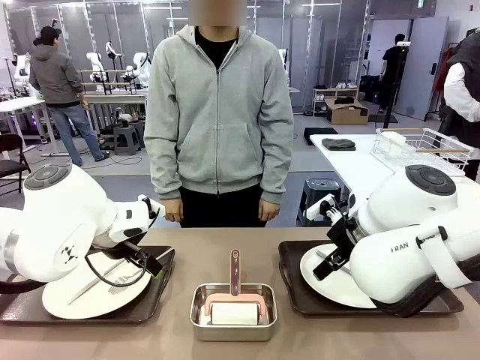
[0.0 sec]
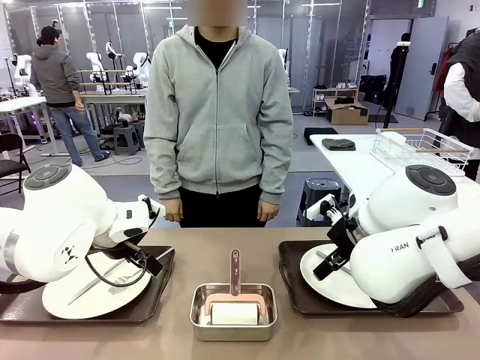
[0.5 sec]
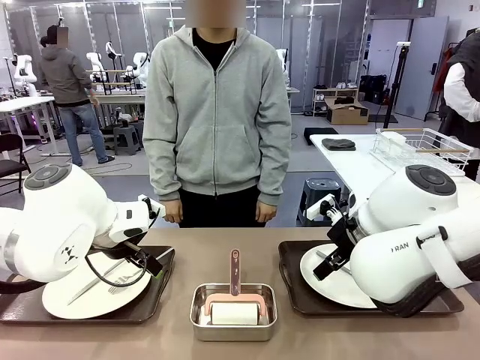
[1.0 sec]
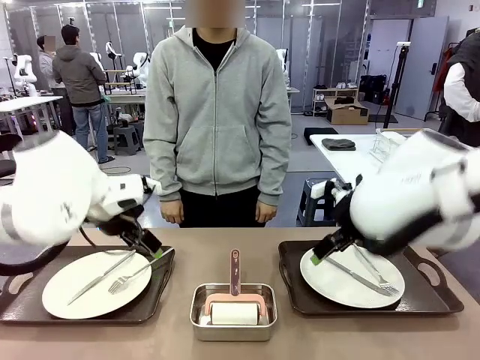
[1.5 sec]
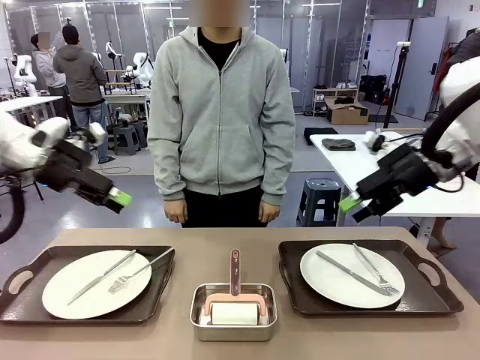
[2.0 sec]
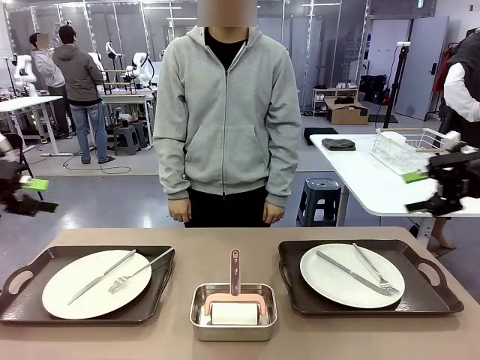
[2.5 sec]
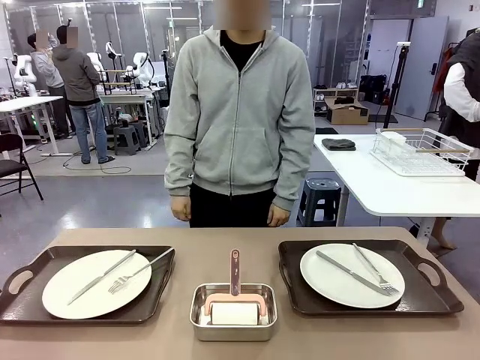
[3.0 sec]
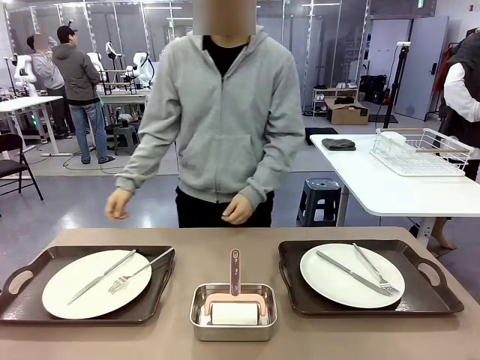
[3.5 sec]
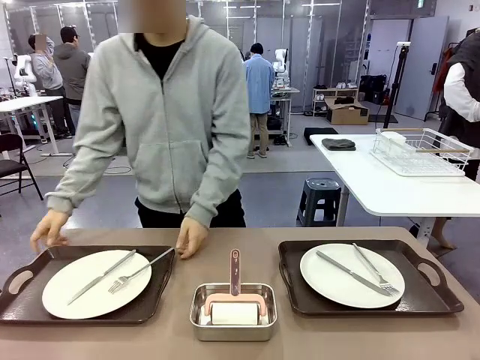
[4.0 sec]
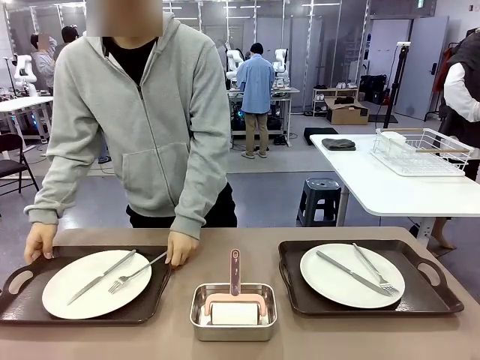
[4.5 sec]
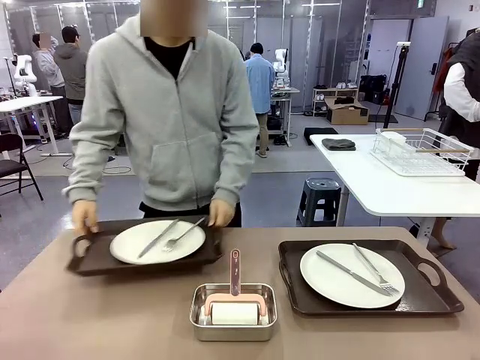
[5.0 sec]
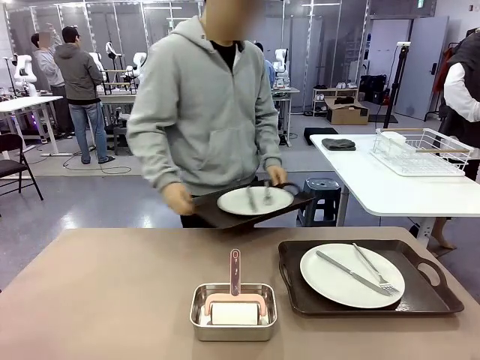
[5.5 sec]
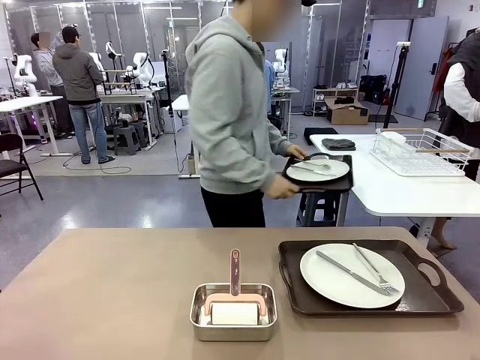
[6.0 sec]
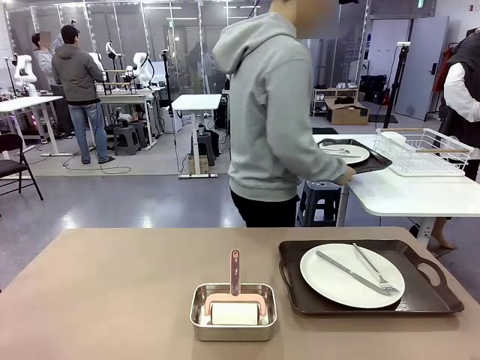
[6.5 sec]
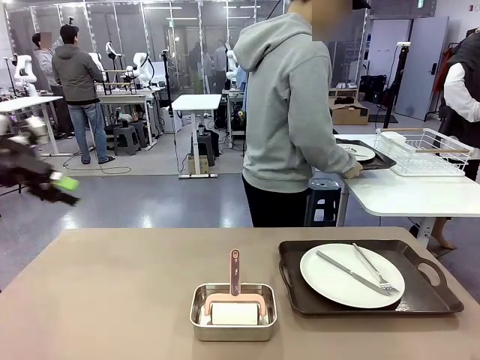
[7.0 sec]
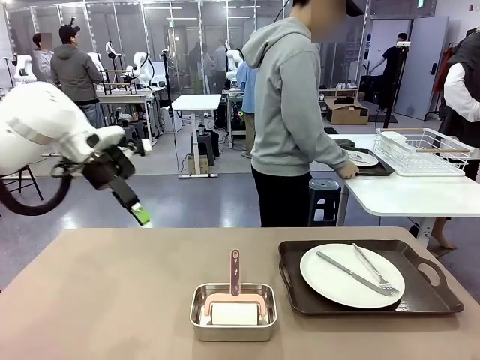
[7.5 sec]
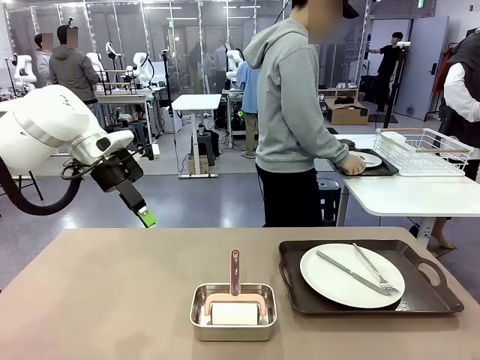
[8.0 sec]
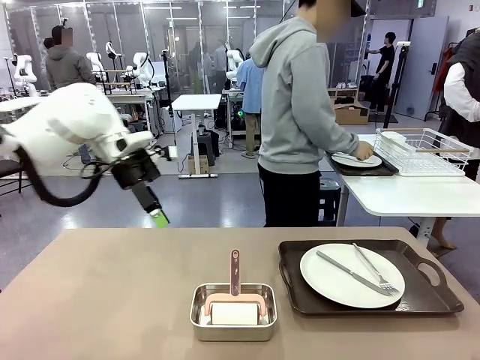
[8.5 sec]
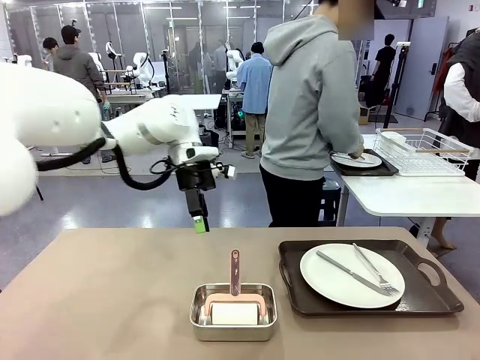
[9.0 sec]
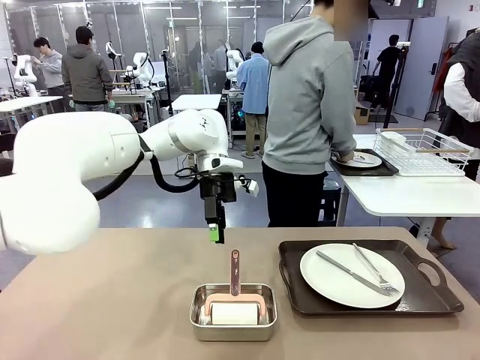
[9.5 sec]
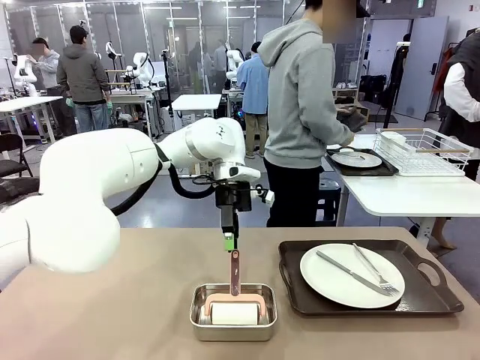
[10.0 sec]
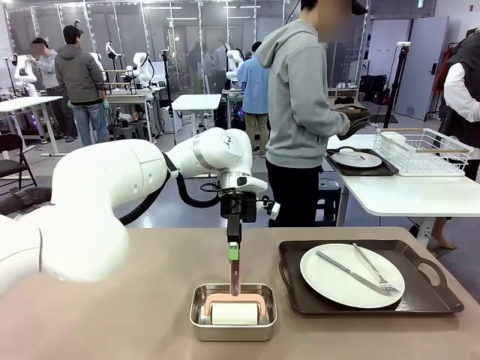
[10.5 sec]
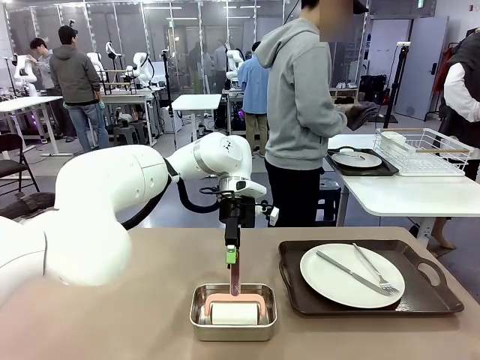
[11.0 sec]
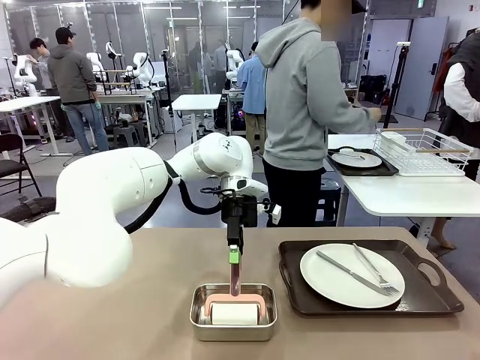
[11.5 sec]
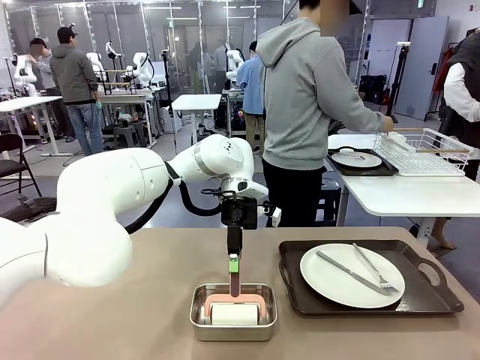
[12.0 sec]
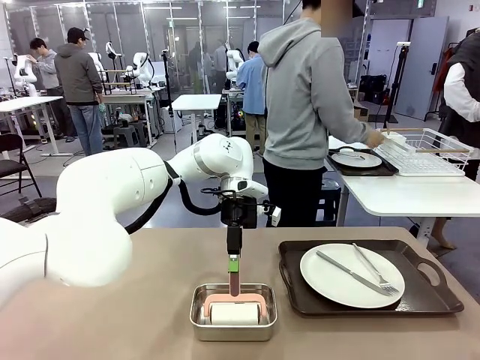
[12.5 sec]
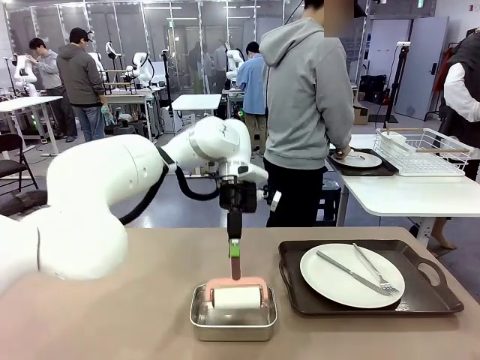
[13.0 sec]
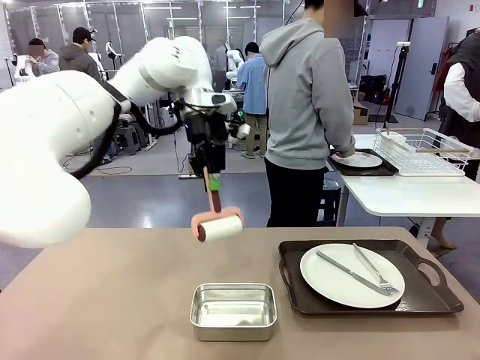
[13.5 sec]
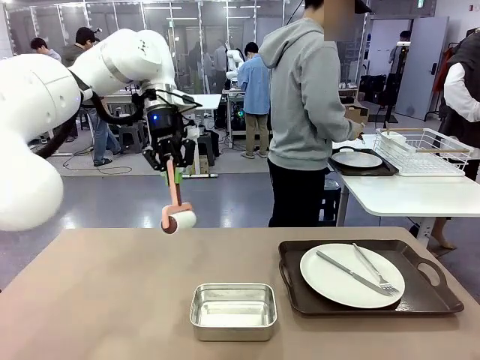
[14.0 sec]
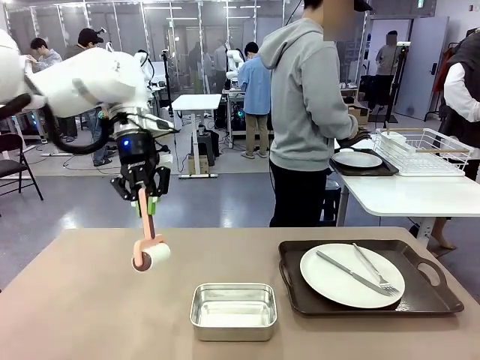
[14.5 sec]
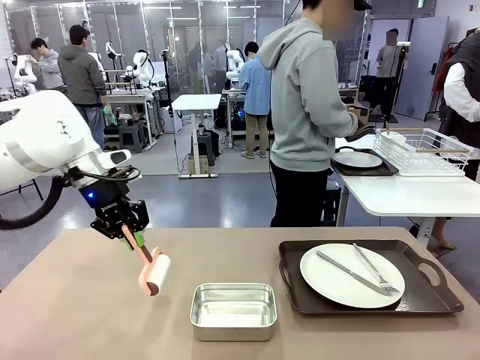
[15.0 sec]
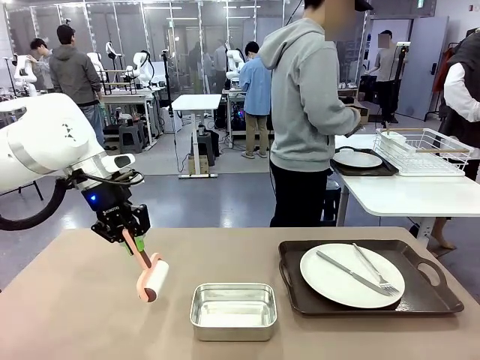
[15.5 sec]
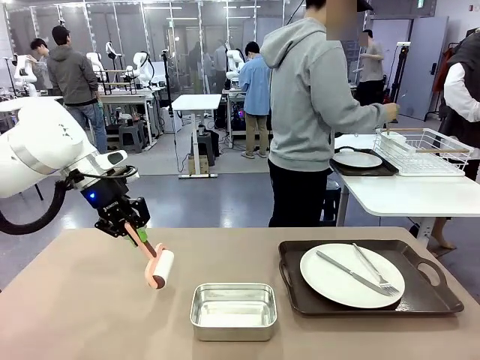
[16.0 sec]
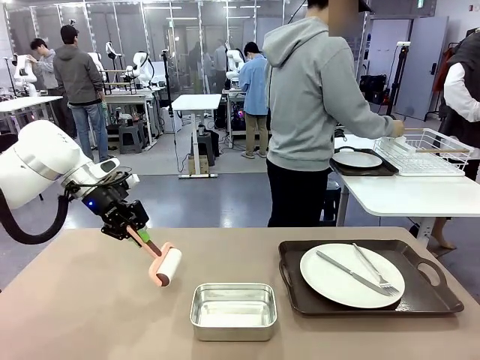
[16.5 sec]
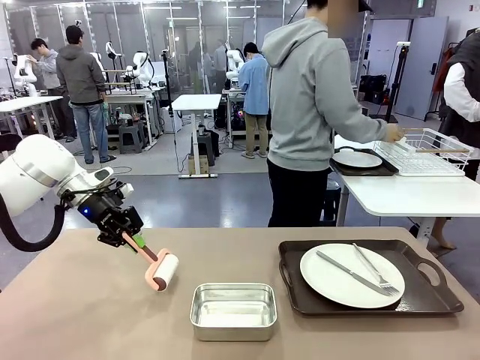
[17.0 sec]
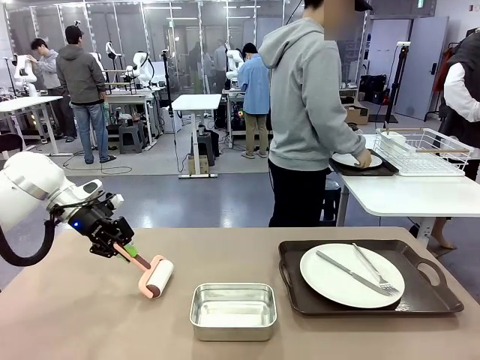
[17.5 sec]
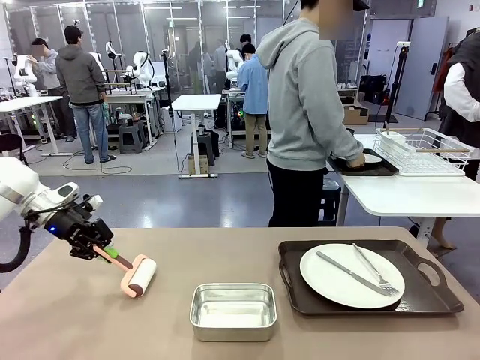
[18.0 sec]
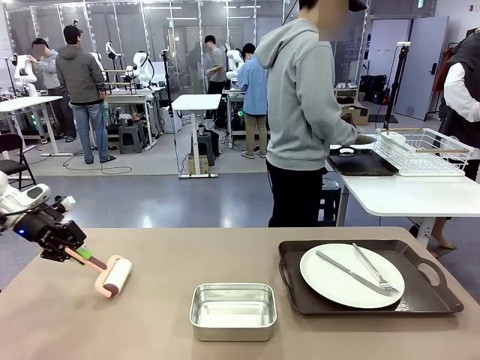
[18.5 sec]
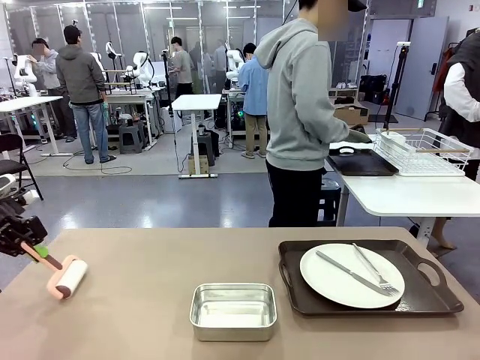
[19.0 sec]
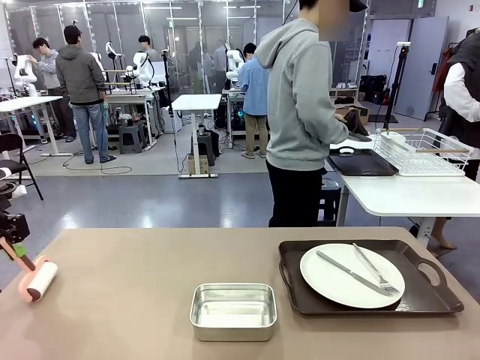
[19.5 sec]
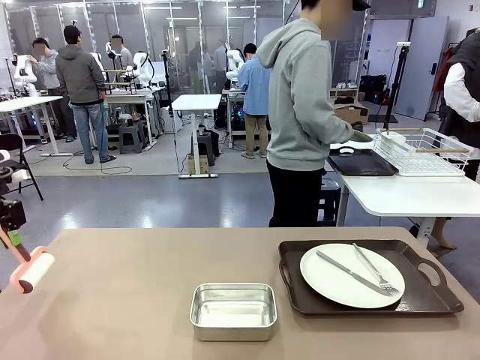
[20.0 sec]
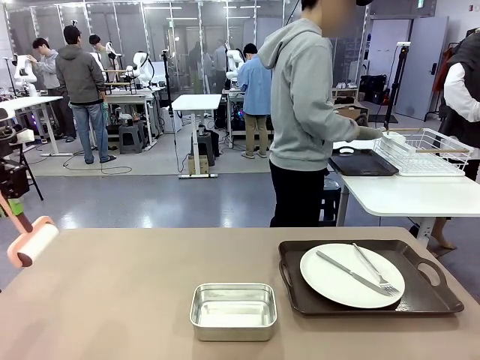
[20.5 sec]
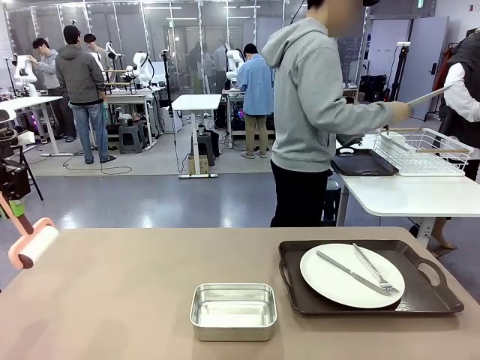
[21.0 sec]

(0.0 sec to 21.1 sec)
Robot: When the left (or right) Handle tray is removed, use the left hand (or right hand) to clean the left (or right) side of the table with the Lint Roller.
Person: Pick up the left (or right) Handle tray and place it on the middle of the Human's table. Use the Towel with hook to wipe the Plastic Matte Plate , Fork , and Knife and place into the Dish drying rack.

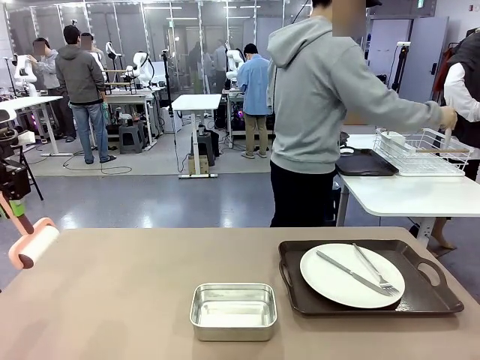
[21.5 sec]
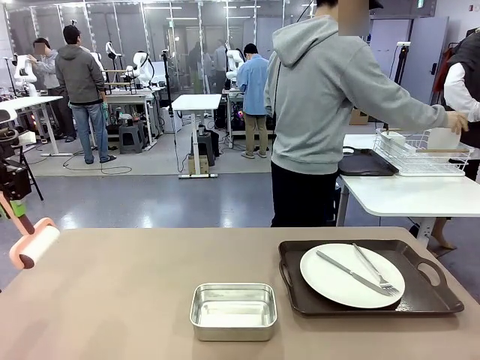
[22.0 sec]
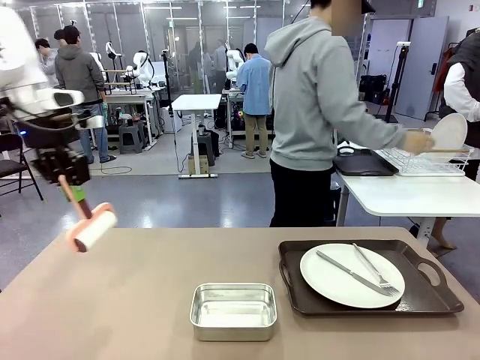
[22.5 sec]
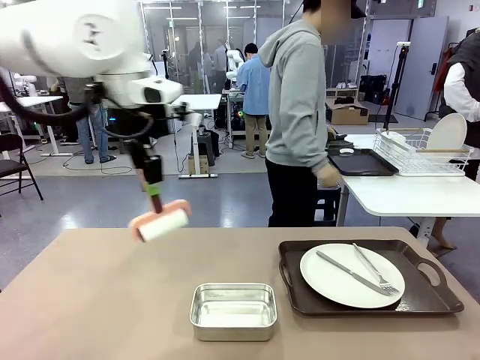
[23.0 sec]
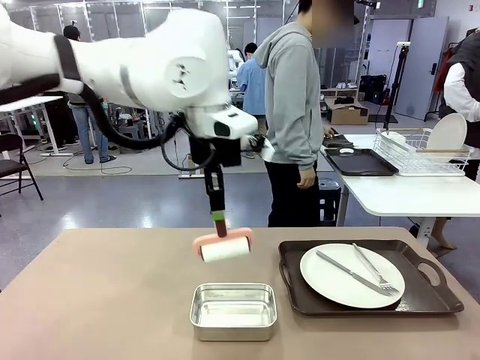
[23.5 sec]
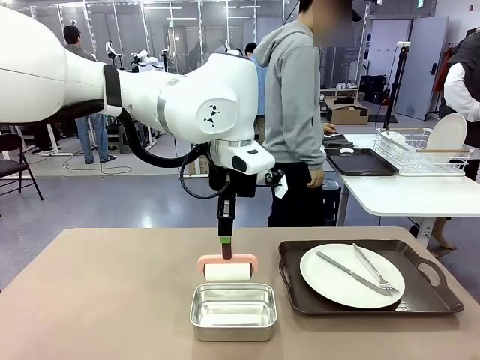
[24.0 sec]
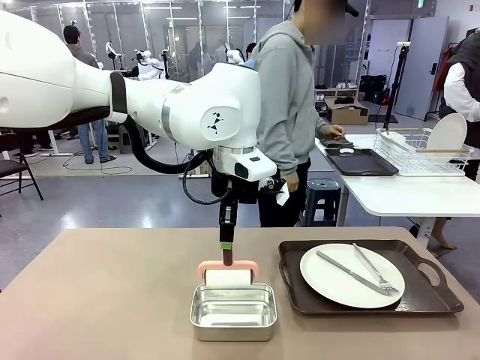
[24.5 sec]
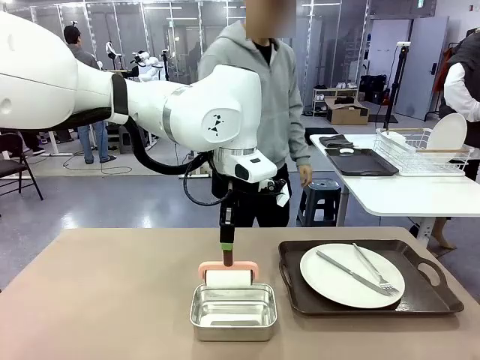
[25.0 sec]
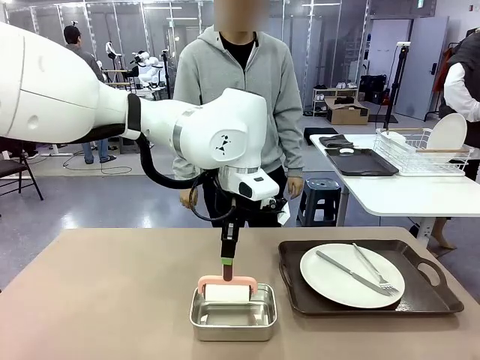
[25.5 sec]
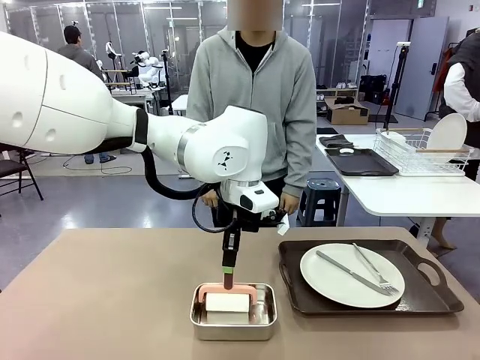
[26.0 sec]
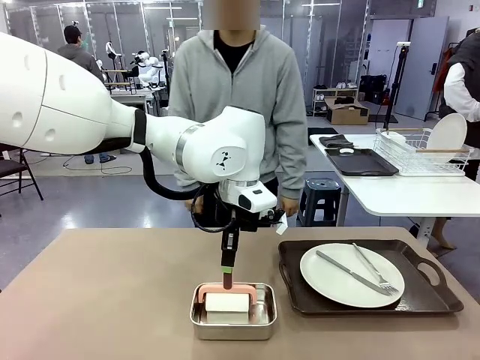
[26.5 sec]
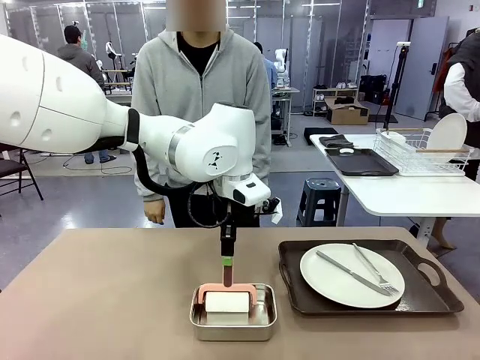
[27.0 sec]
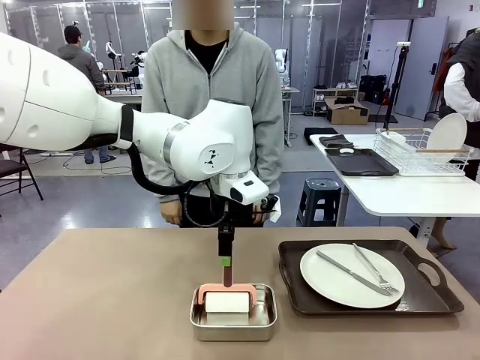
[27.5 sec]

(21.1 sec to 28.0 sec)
Robot: Place the Lint Roller back on top of the Airtight Container.
